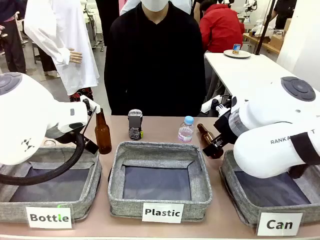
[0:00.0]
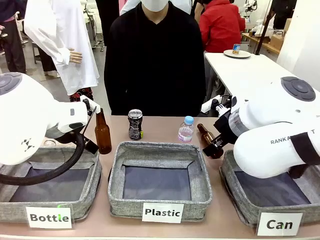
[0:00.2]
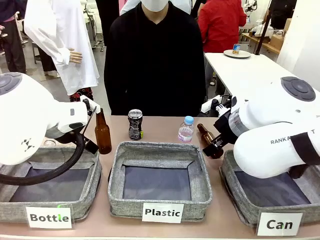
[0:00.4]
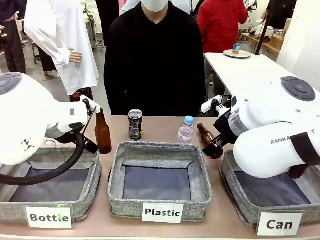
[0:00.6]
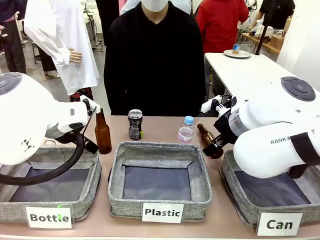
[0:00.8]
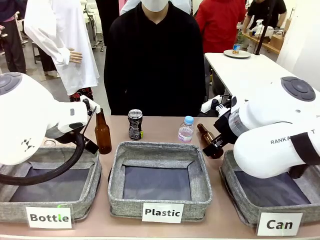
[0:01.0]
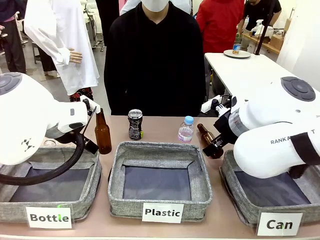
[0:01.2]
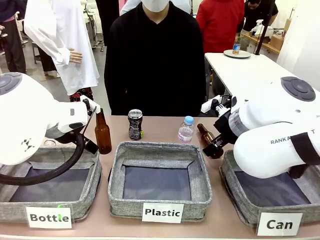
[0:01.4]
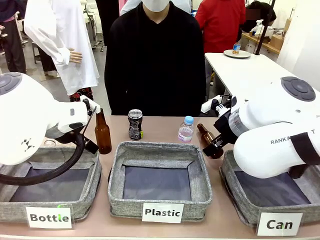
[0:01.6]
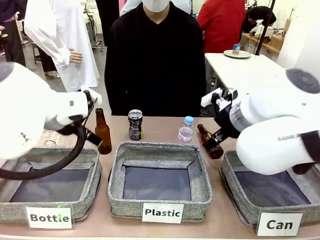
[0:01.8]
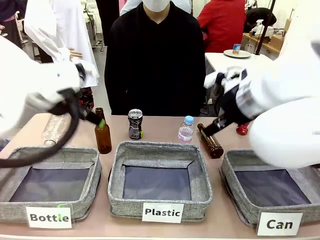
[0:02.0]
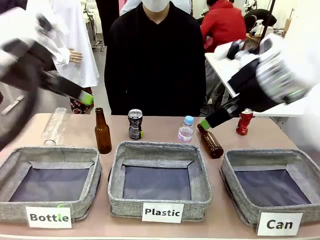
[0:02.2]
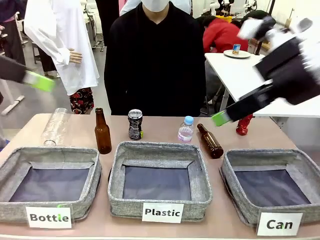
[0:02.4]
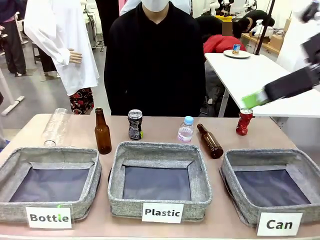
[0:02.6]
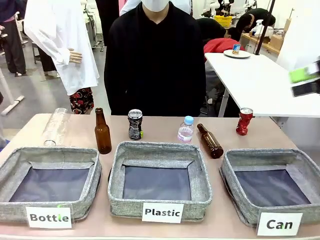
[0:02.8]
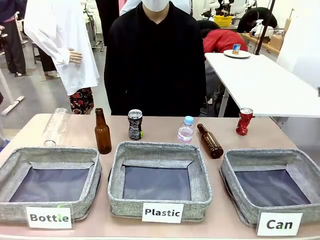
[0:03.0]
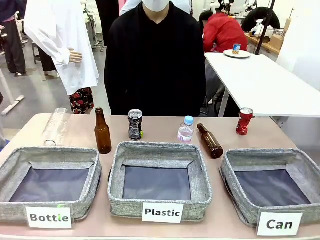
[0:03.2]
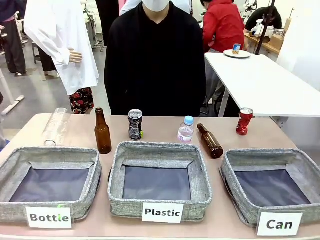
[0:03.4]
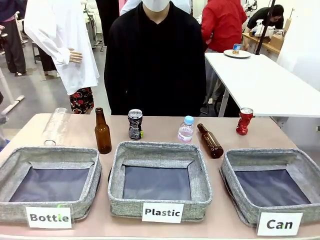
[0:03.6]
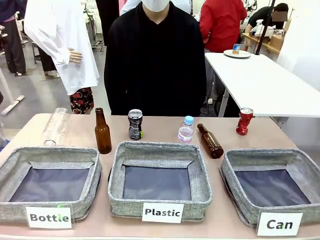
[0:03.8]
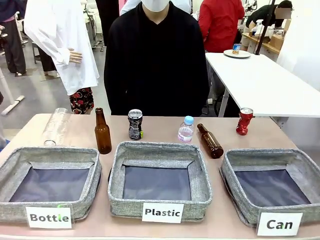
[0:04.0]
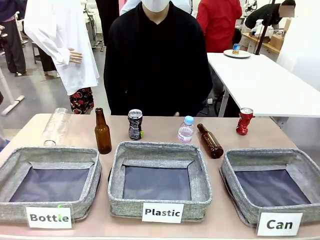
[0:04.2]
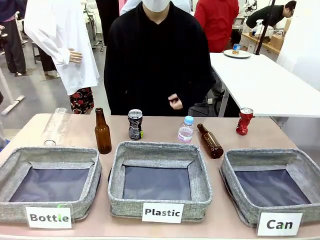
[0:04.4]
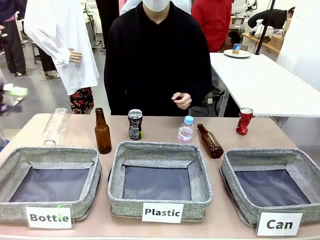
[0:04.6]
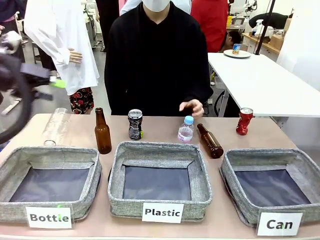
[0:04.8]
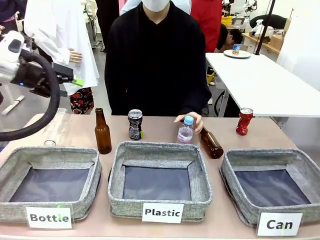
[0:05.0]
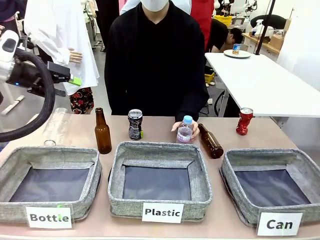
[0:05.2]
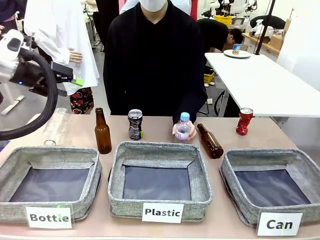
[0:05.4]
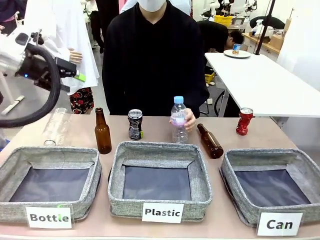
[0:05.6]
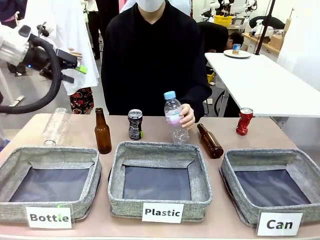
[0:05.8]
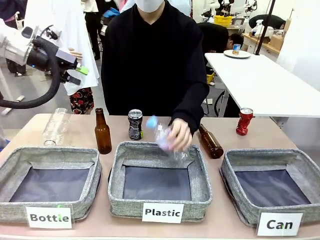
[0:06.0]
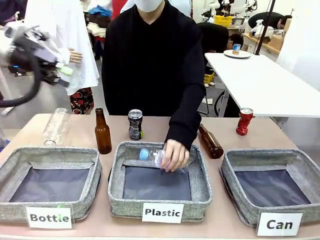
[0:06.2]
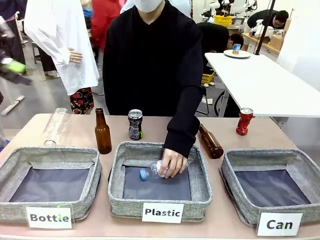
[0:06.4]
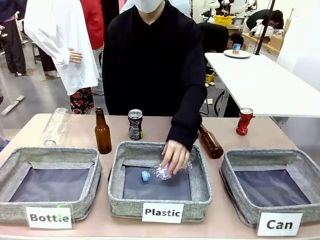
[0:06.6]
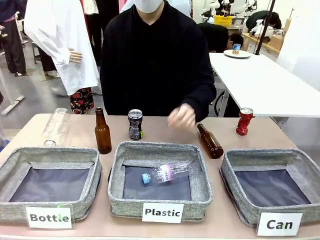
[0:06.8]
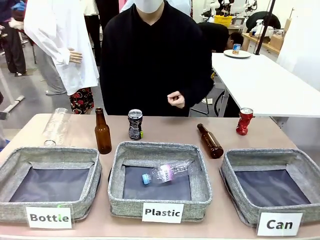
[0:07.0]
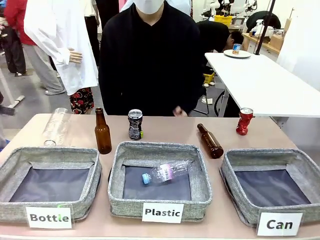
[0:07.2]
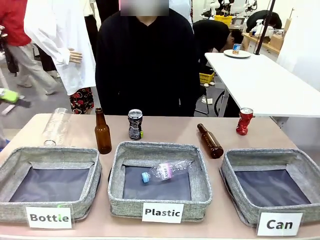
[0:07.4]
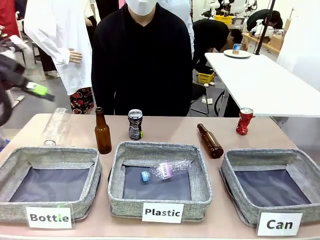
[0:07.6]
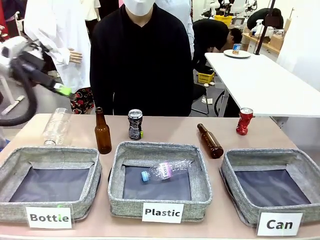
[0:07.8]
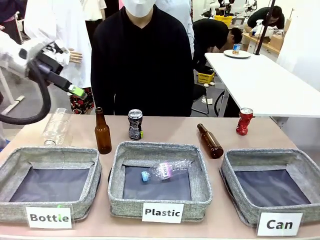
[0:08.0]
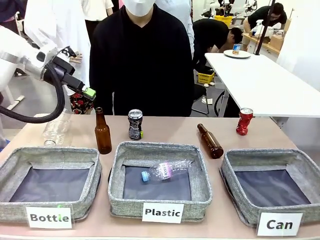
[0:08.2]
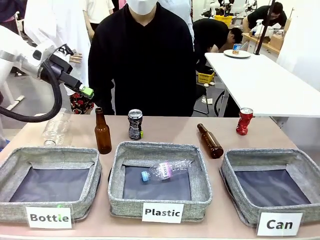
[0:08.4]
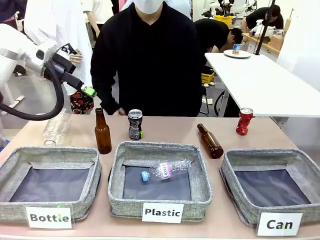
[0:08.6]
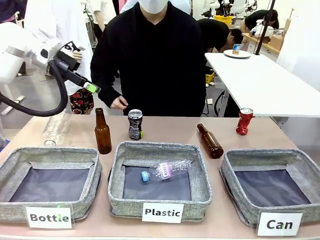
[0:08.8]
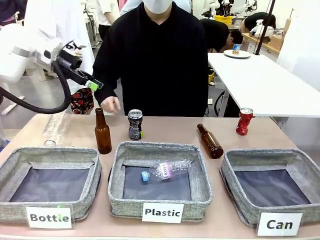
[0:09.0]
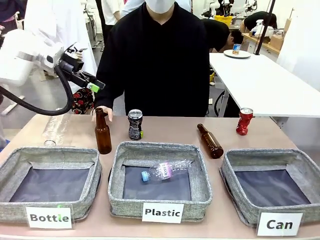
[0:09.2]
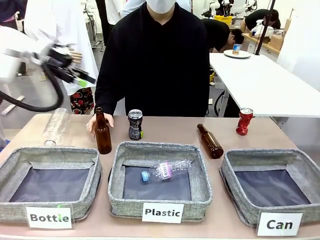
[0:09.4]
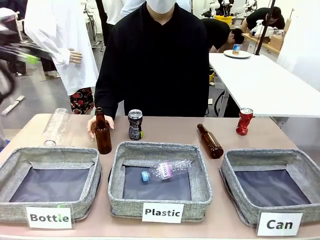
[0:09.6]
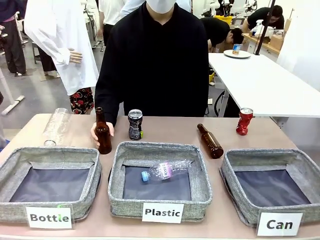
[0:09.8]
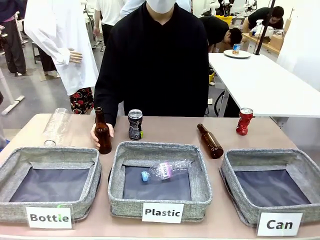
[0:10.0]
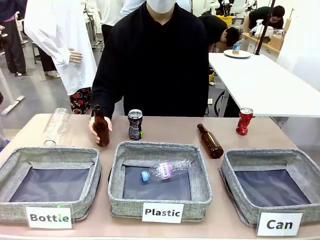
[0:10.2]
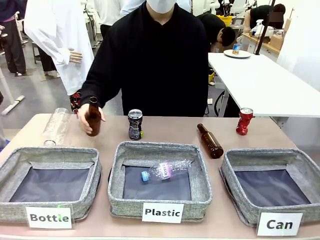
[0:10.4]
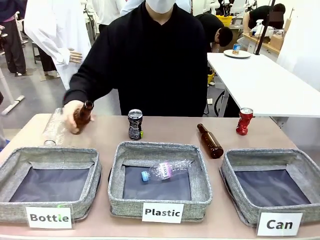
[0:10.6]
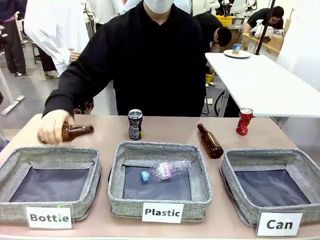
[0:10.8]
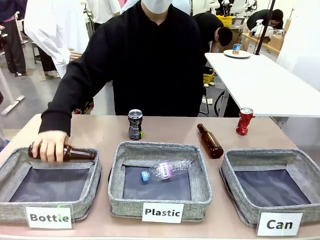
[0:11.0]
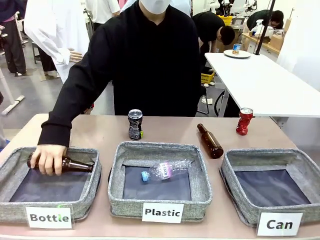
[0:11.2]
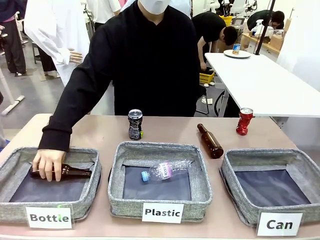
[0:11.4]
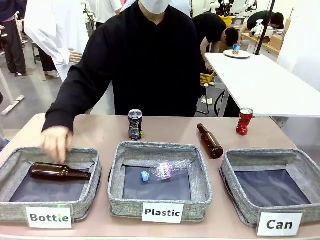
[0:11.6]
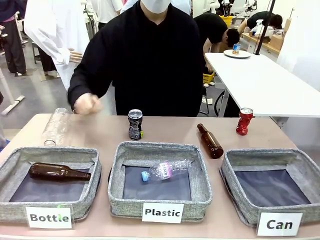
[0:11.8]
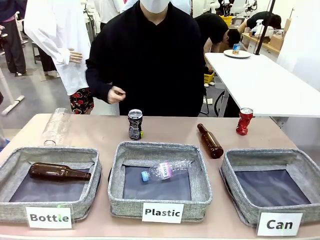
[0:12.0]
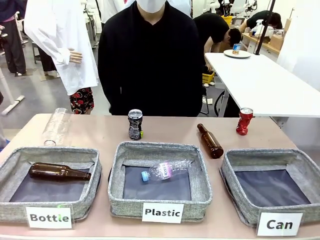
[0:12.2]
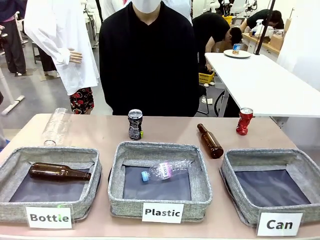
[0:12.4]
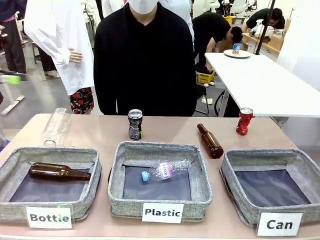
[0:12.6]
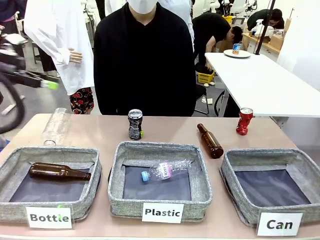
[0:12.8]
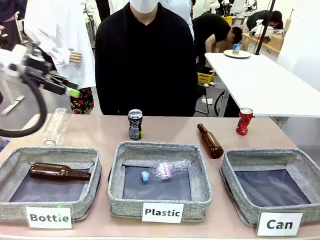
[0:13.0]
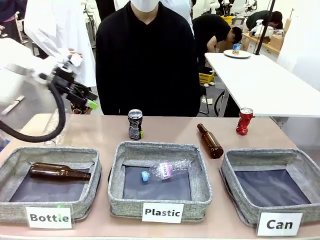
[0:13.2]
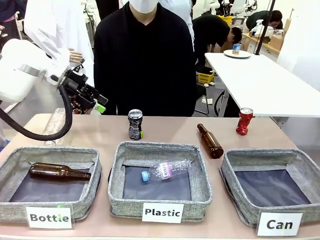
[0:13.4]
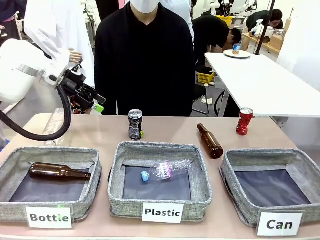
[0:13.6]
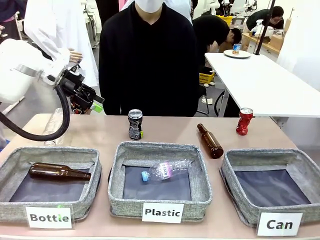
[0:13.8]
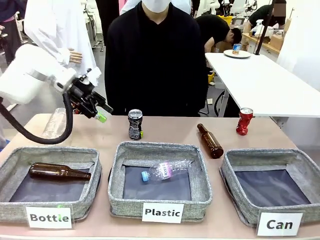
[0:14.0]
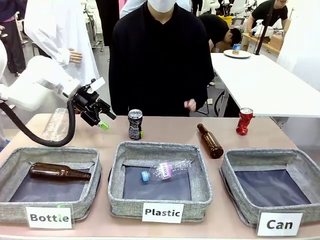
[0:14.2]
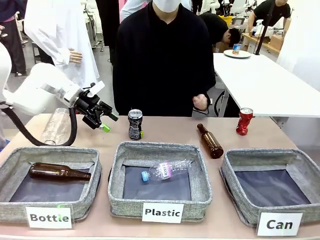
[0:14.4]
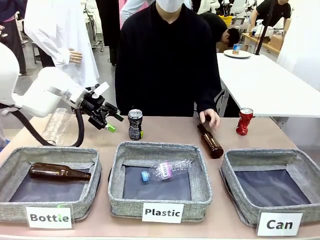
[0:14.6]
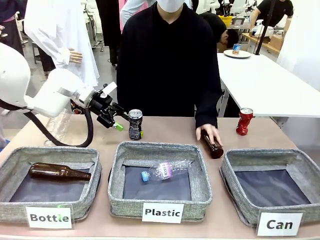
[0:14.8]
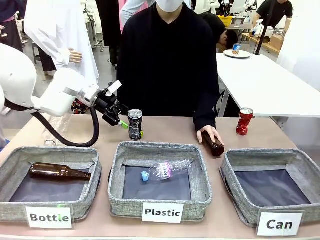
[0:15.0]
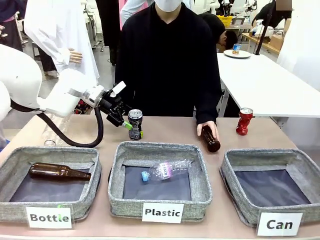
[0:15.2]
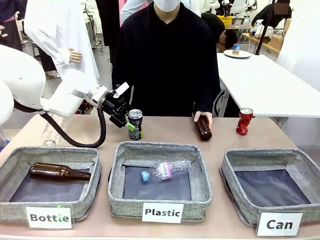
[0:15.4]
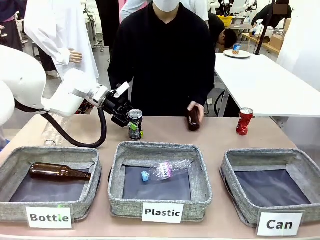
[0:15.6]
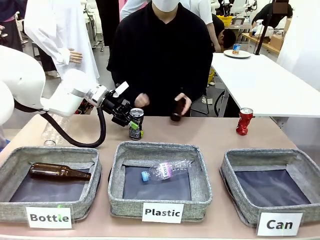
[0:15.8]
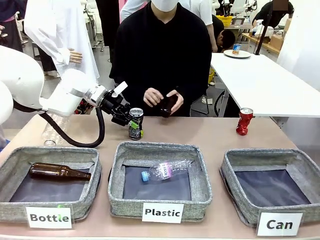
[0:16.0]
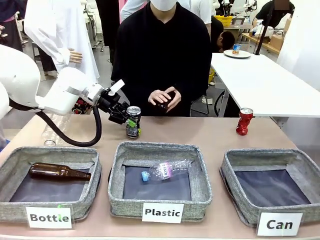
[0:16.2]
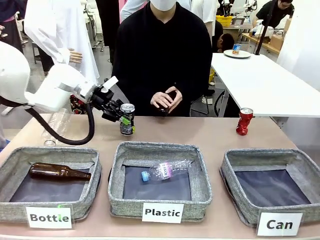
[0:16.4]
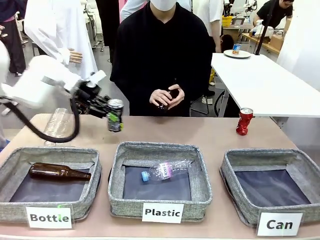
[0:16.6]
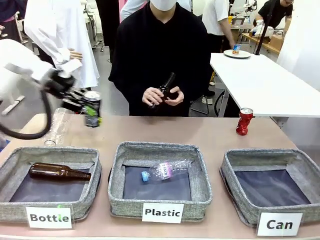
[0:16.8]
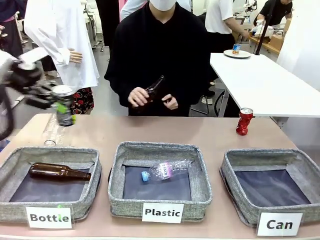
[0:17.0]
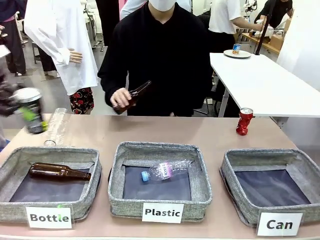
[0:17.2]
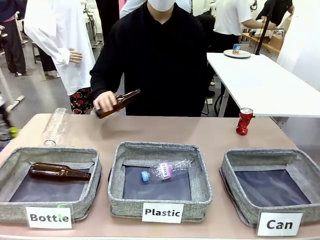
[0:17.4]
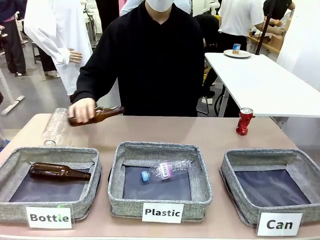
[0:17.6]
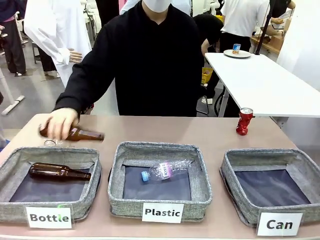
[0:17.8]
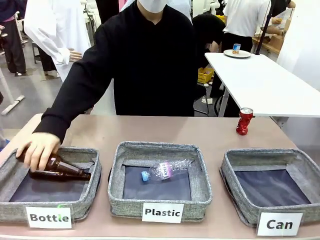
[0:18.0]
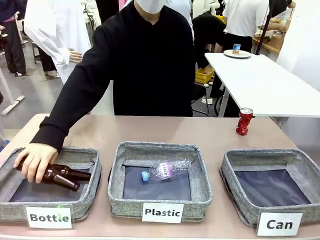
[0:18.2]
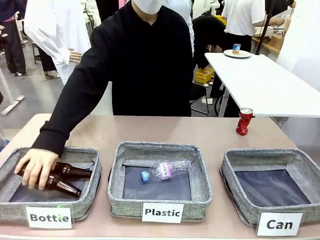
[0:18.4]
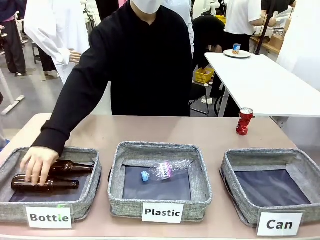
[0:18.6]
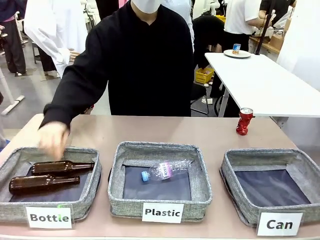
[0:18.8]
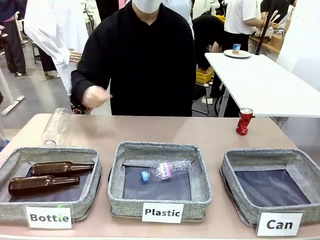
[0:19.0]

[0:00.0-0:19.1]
Task: Sort the can waste into the basket.
Robot: Pick up the can waste from the table and place it in the right Fabric basket.
